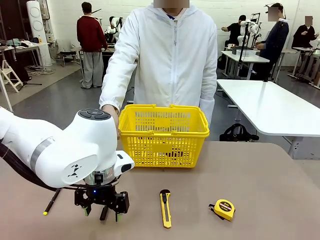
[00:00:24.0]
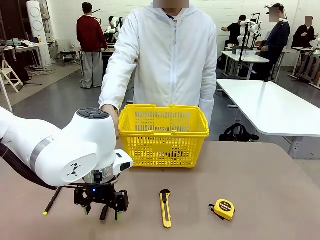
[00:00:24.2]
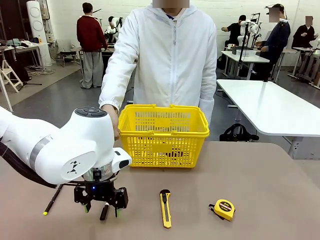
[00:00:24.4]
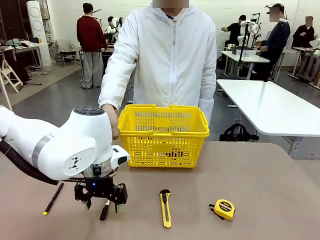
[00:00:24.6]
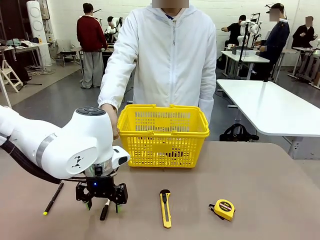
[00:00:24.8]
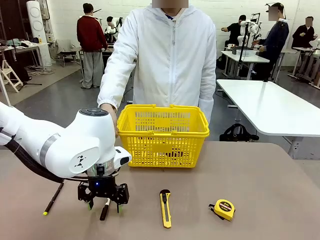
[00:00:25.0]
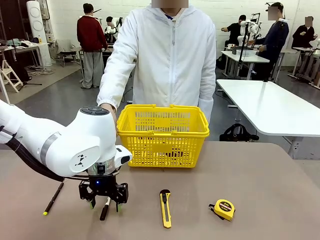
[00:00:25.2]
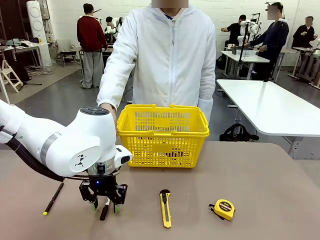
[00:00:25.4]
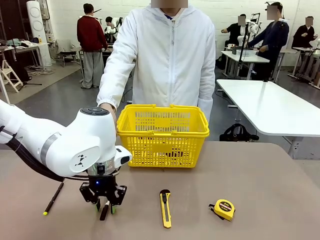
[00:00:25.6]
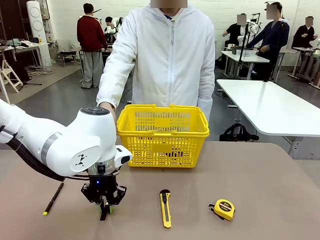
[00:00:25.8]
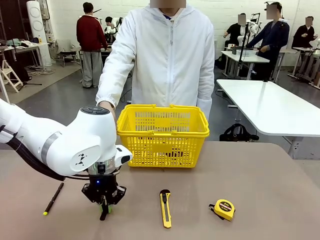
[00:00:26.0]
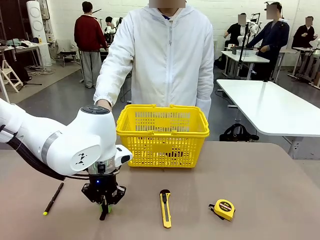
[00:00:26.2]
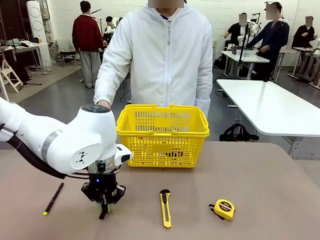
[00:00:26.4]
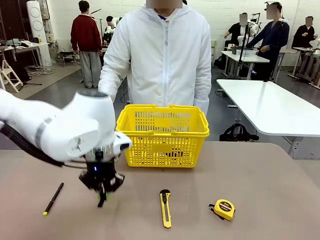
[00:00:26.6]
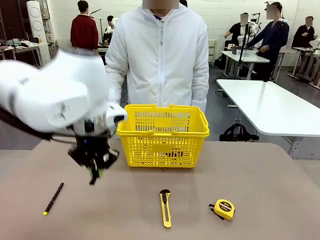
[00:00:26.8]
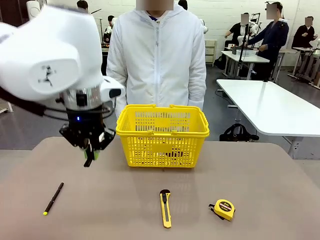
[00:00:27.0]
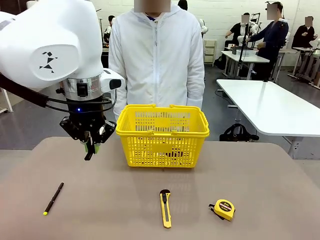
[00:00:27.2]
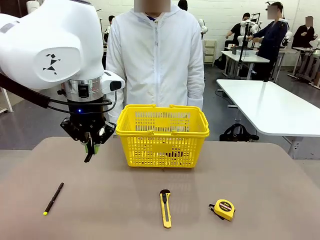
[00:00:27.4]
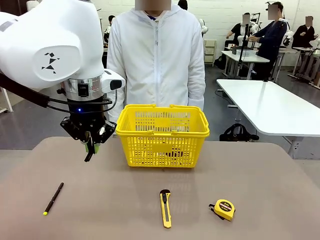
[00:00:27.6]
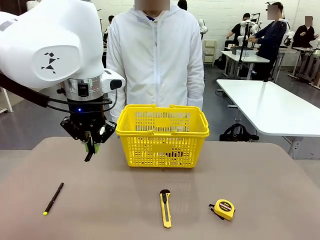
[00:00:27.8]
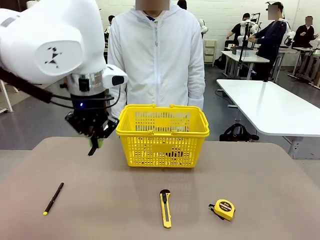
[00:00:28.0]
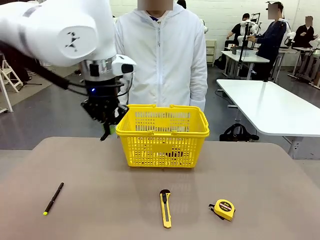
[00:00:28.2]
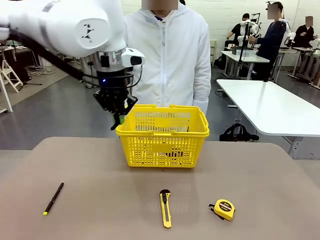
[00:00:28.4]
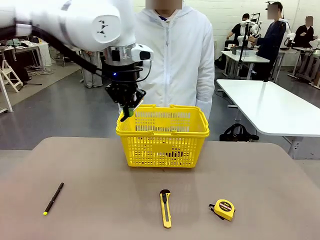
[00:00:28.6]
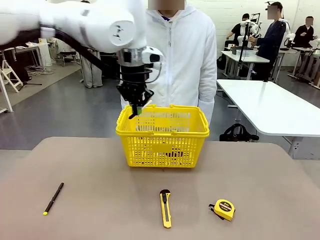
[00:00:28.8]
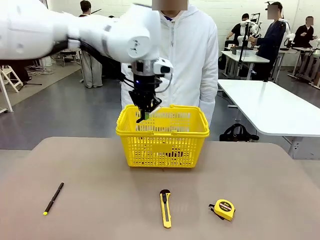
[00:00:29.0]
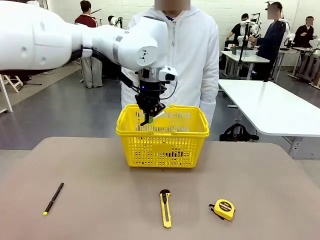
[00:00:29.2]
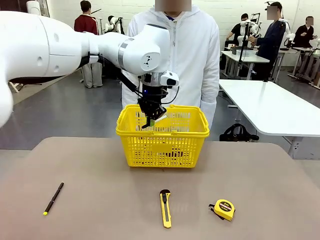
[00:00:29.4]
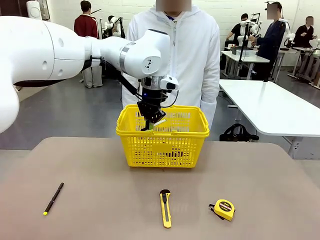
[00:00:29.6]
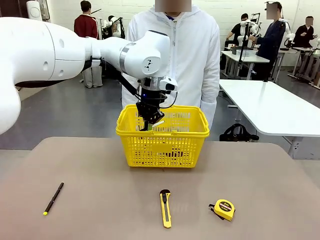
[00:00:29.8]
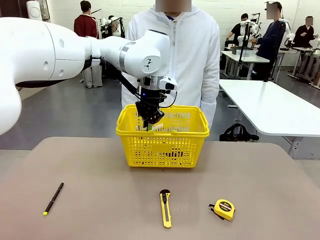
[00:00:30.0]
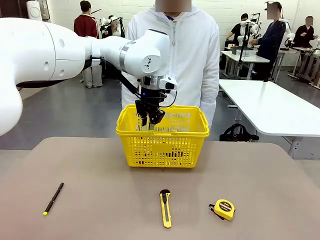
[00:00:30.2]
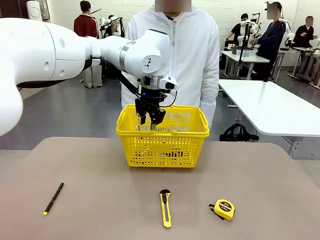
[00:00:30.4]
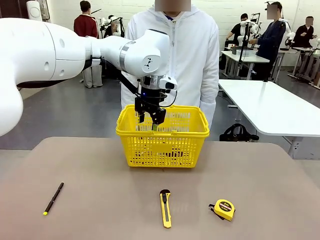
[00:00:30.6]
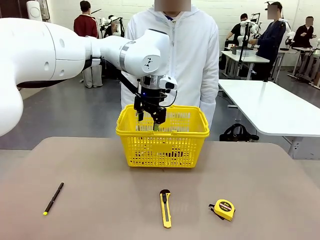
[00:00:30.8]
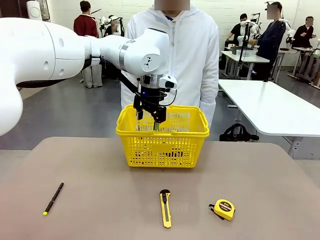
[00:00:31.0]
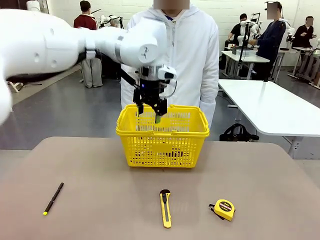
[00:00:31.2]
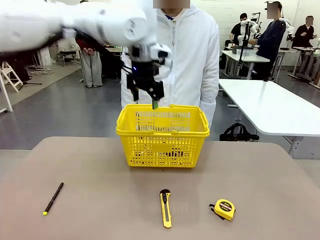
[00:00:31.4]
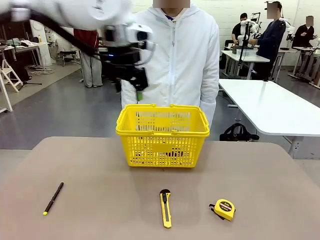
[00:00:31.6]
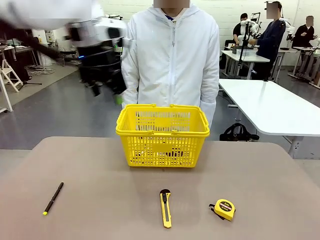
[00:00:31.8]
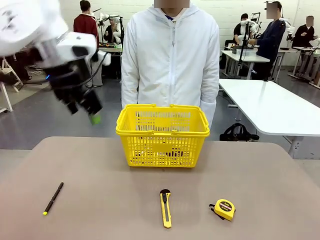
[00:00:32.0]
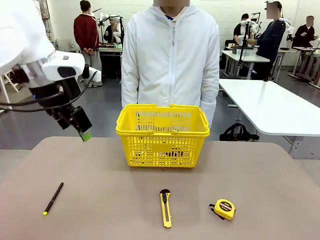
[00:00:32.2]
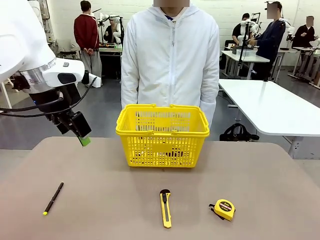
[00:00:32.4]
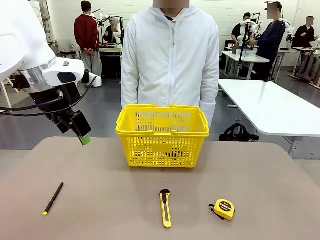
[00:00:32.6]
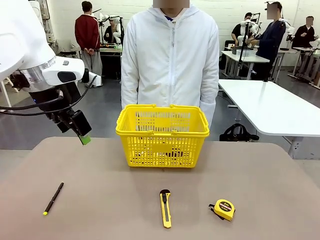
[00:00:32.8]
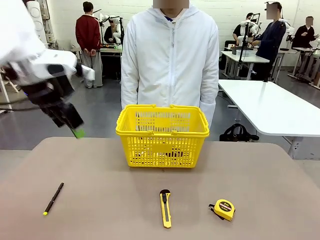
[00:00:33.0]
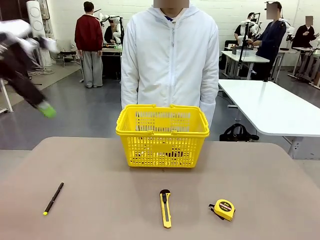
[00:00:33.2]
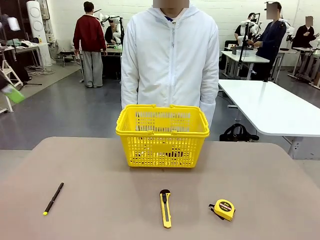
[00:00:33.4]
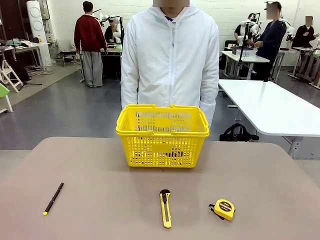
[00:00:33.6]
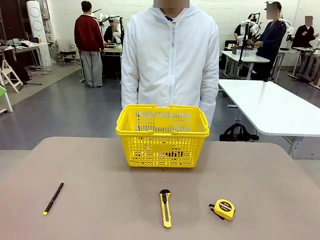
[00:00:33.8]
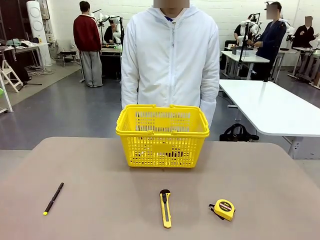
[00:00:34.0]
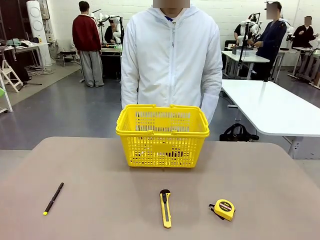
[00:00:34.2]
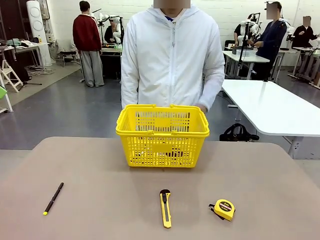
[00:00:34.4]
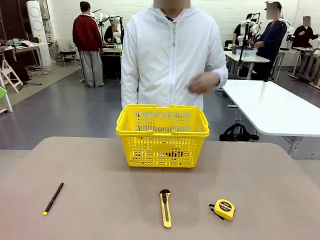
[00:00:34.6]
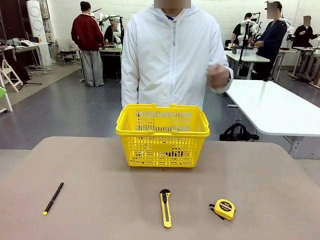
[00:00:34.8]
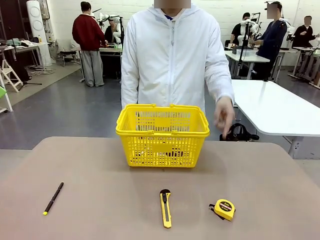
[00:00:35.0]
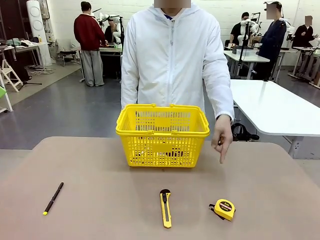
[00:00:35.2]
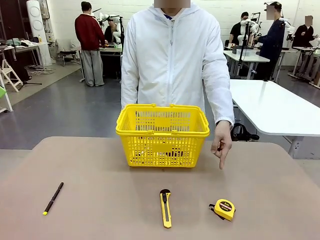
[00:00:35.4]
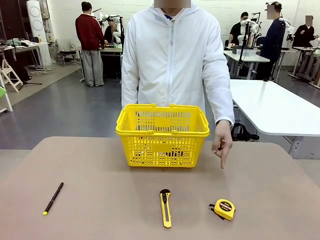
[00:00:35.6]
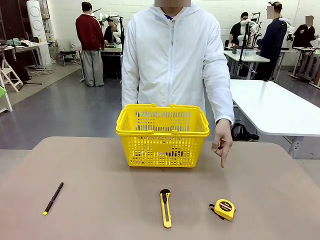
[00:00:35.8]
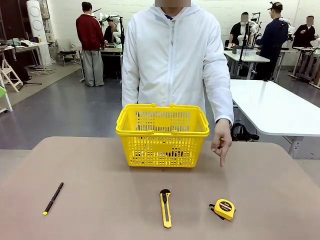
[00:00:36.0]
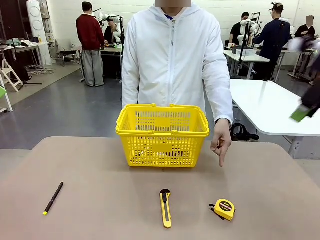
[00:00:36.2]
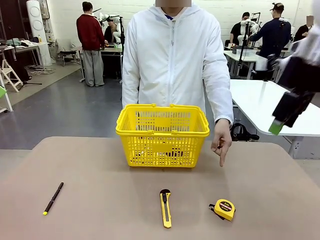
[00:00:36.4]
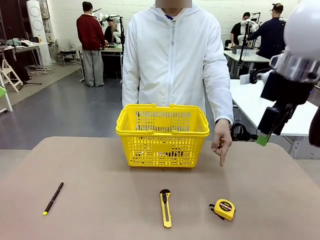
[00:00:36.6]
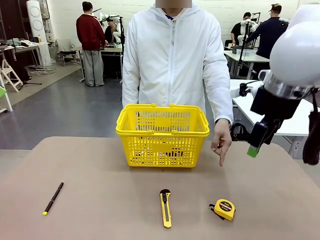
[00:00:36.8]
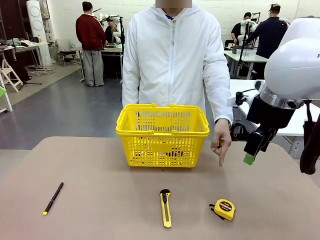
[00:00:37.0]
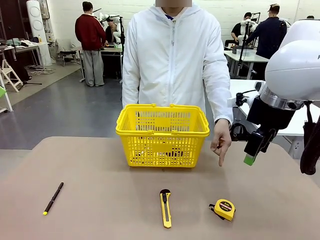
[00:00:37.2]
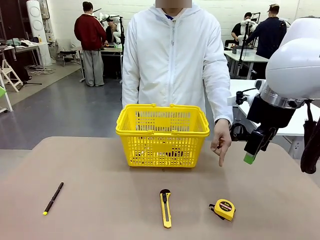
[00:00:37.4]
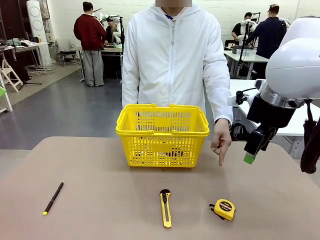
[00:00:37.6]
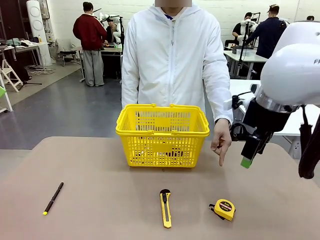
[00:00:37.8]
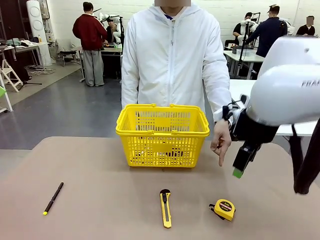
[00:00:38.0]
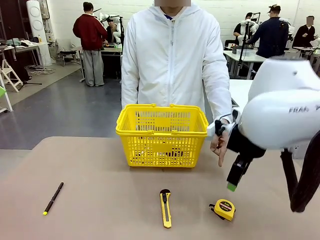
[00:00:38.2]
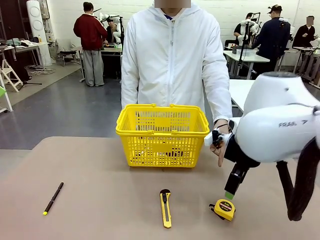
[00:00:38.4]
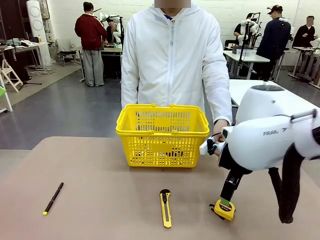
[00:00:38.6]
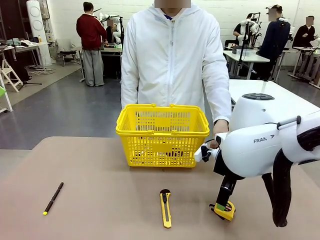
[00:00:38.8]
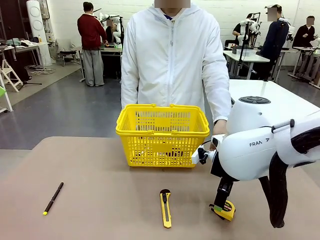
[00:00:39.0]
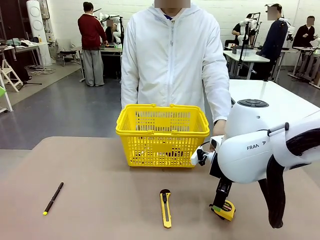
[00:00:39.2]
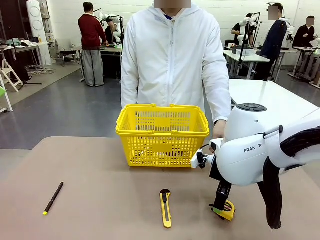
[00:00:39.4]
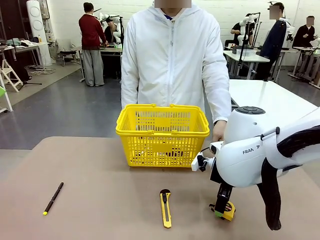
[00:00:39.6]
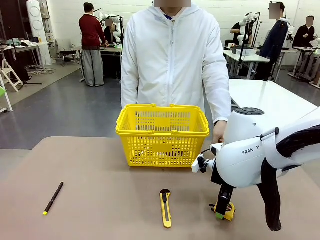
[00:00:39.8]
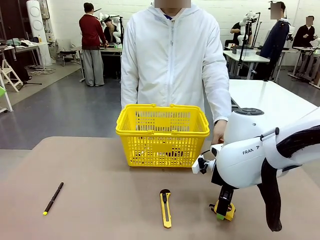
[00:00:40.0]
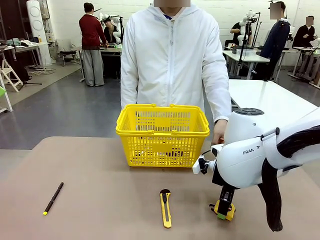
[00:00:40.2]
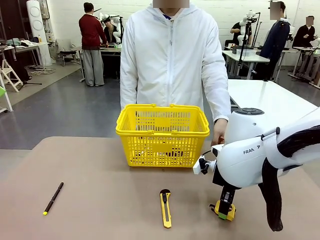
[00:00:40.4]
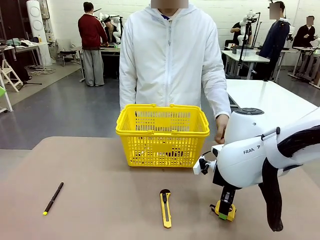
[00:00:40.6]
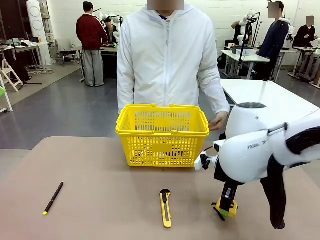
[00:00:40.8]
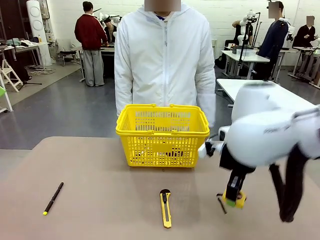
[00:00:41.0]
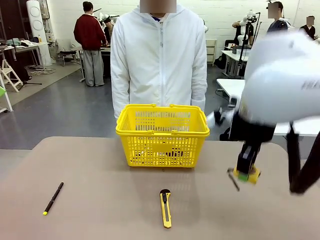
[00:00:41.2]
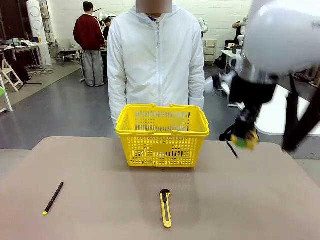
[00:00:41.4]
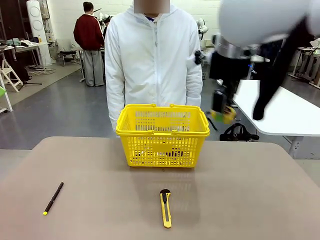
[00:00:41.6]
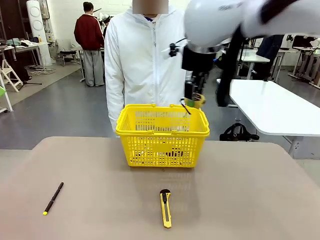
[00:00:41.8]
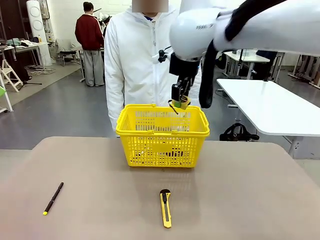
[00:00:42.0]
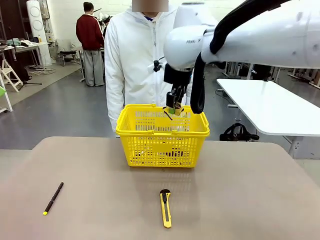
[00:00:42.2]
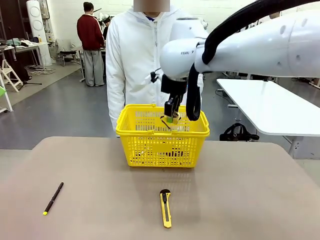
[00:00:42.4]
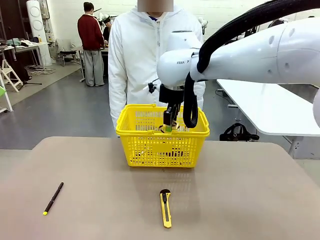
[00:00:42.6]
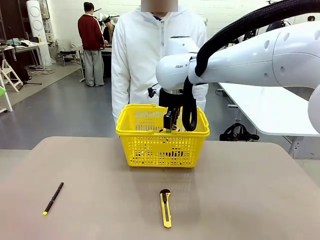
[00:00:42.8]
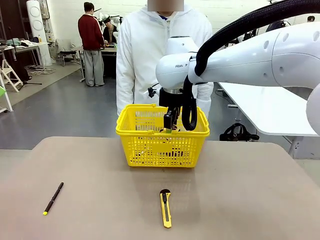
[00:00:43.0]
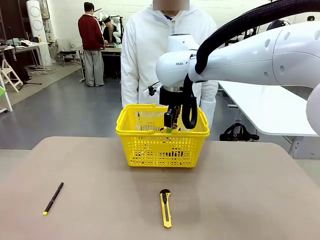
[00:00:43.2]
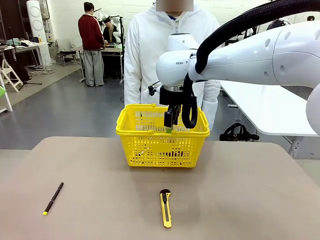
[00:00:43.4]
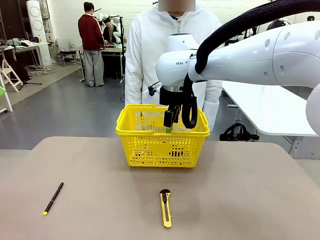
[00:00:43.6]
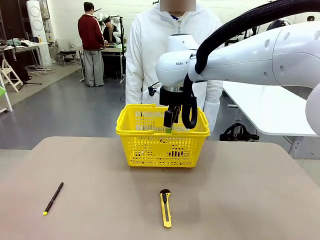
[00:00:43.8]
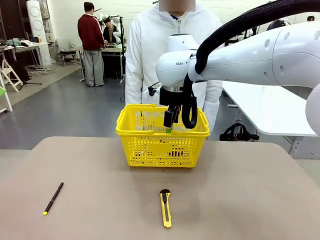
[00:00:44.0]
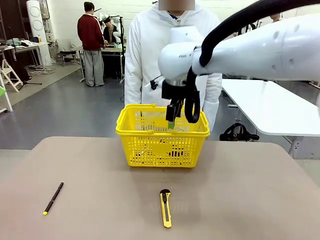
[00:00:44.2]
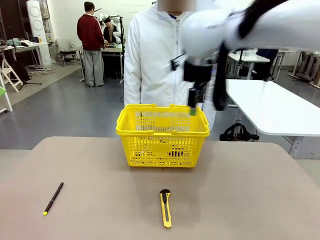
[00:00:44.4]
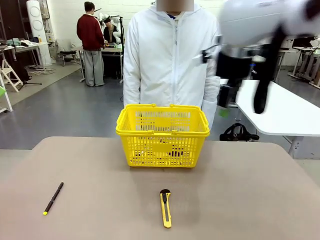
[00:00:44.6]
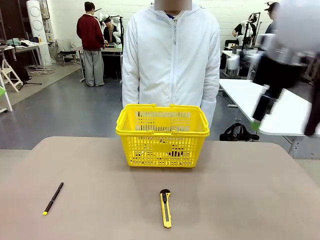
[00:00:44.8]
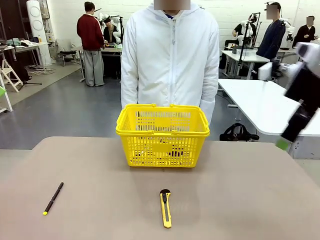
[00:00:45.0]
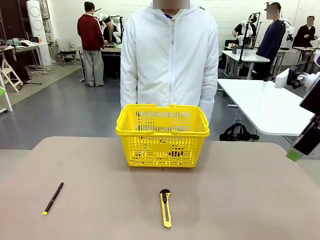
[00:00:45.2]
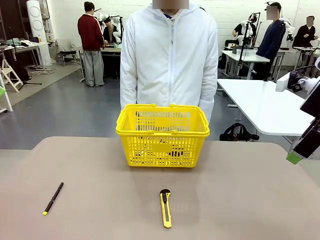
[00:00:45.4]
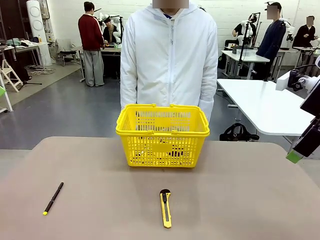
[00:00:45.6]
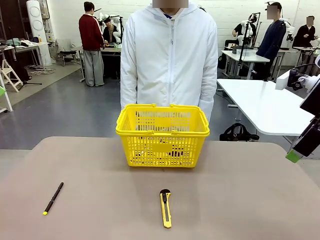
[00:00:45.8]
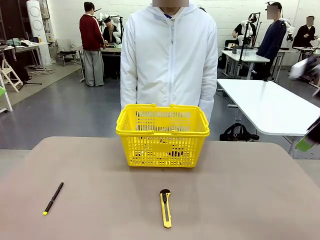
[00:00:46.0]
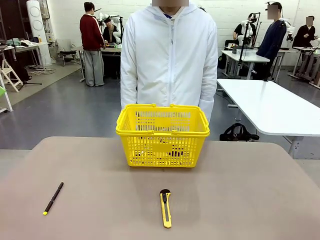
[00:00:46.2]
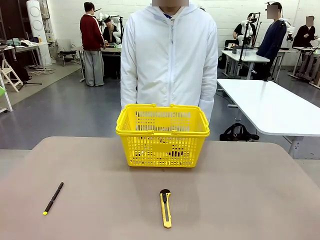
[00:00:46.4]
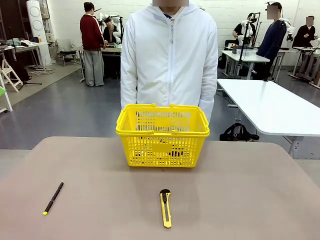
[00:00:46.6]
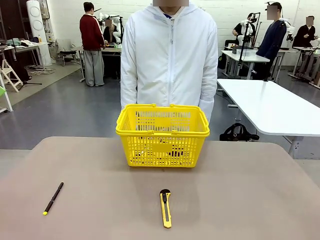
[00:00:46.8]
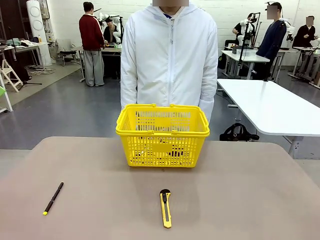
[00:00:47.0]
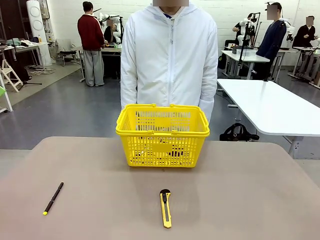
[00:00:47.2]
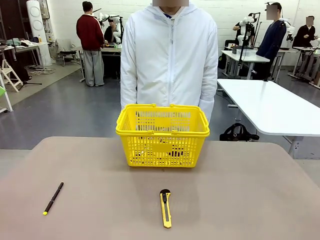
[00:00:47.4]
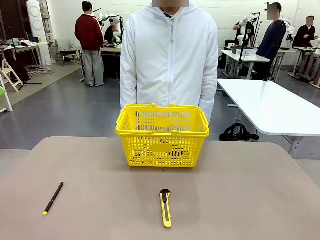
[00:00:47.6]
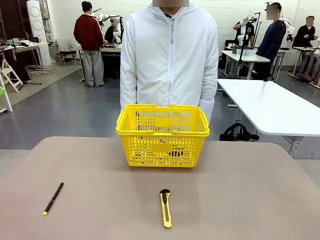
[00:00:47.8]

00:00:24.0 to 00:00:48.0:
Task: Place the items the person wants into the basket.
Robot: Pick up the item the person points to and place it in the Market Basket.
